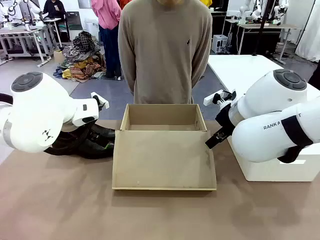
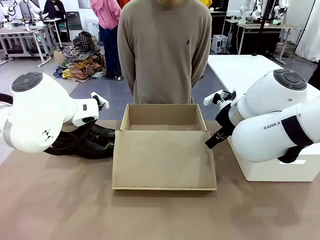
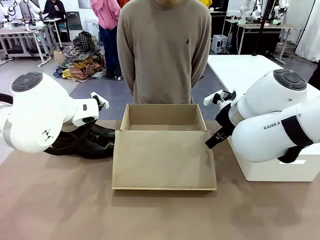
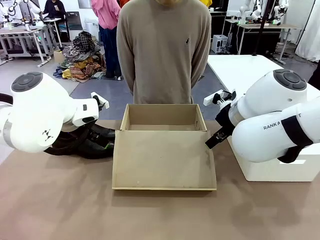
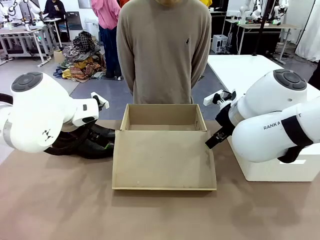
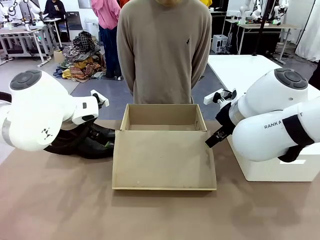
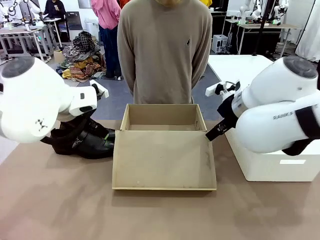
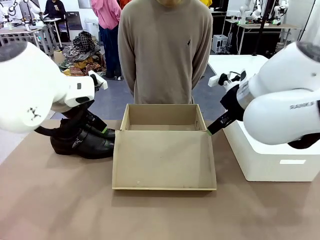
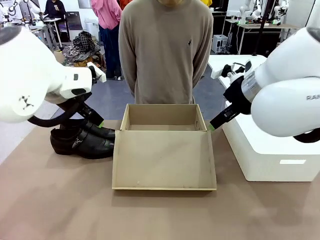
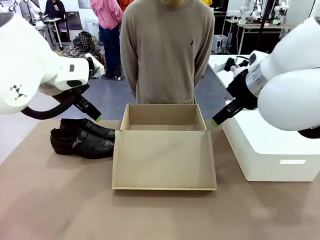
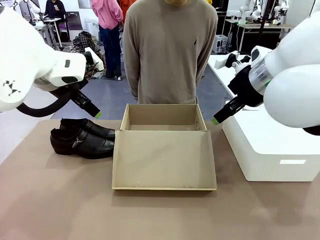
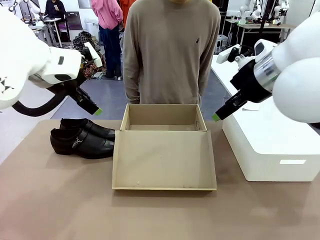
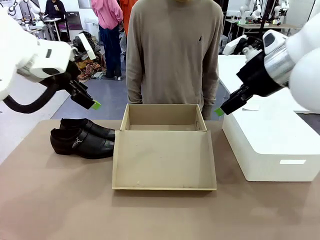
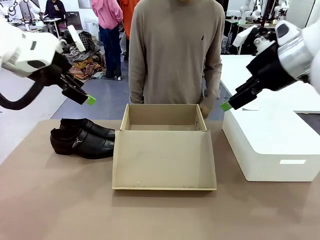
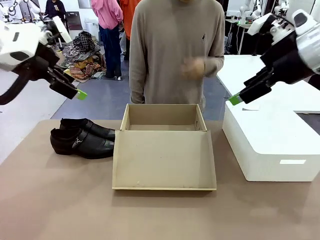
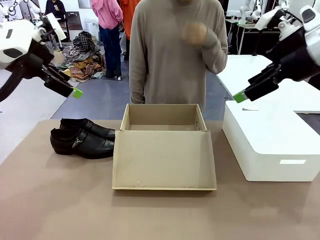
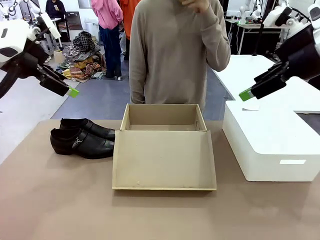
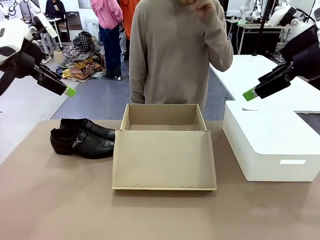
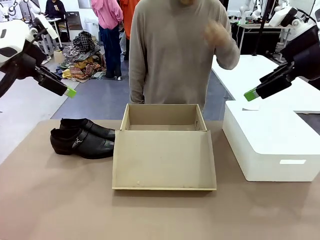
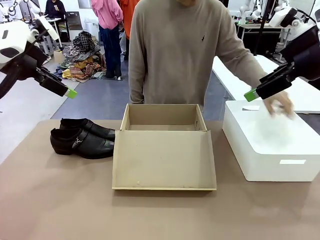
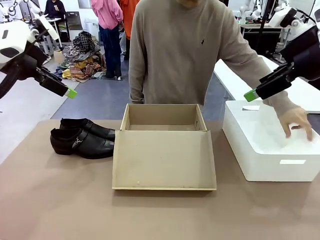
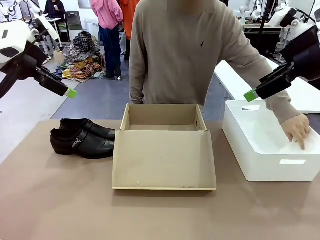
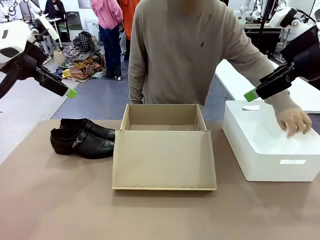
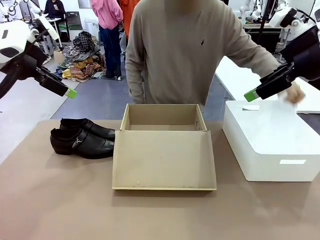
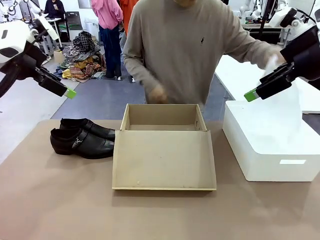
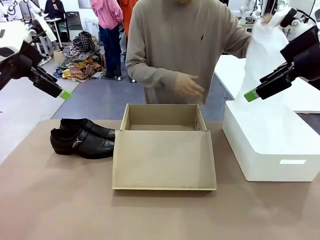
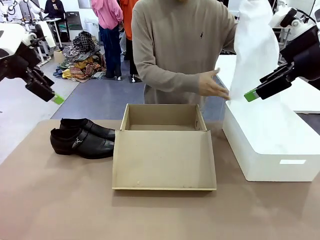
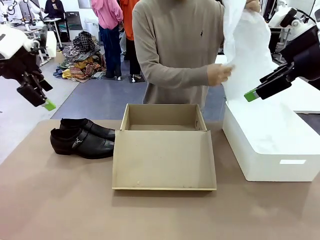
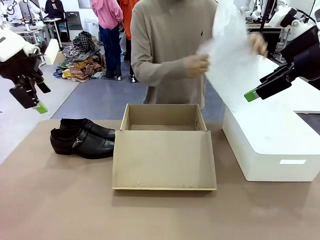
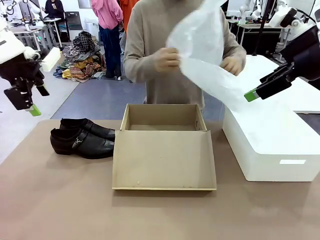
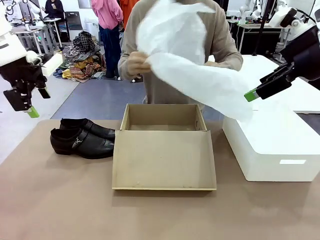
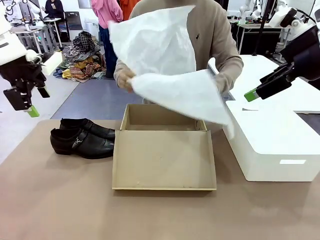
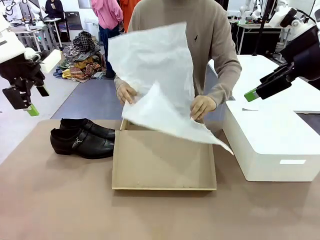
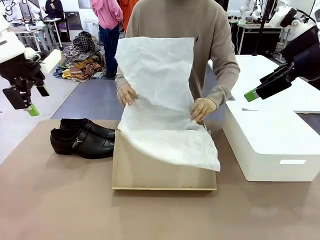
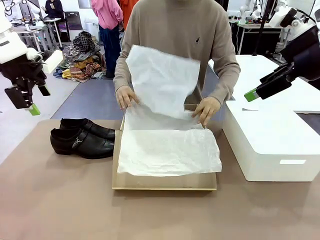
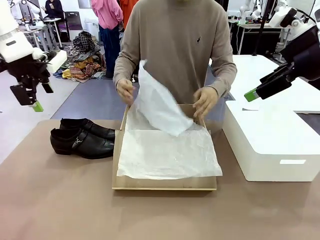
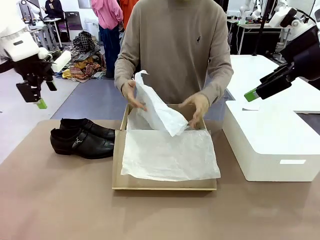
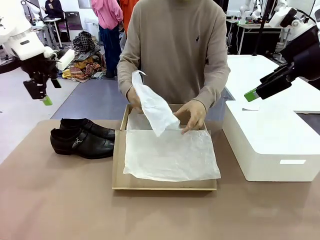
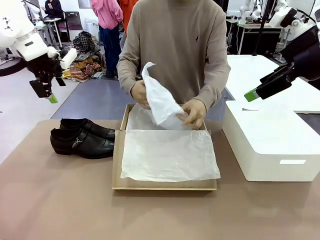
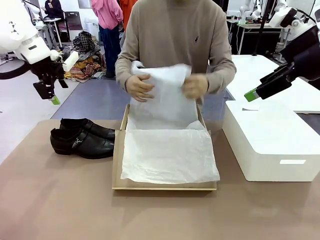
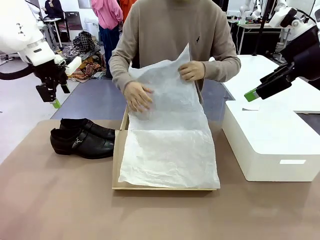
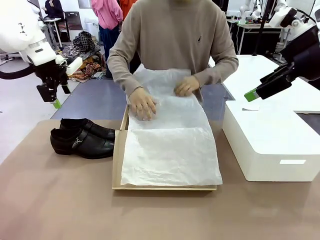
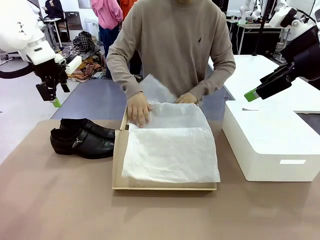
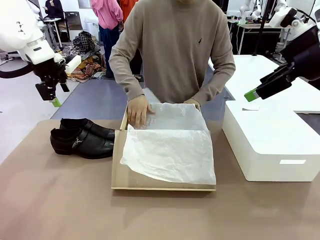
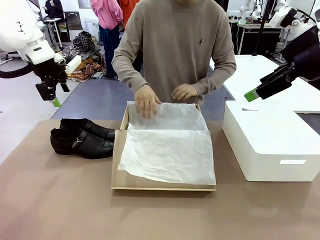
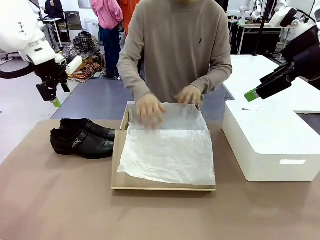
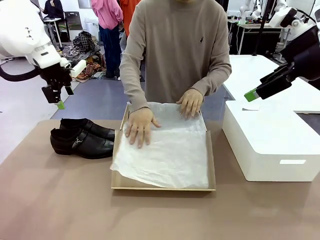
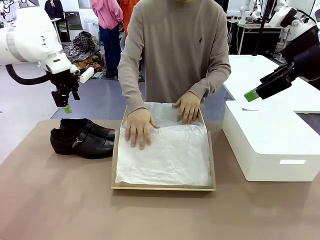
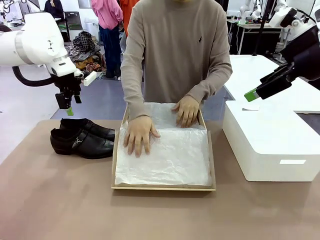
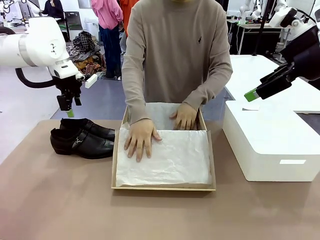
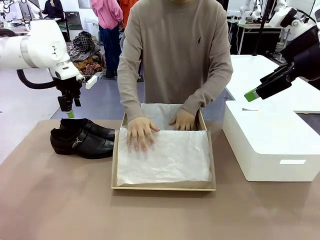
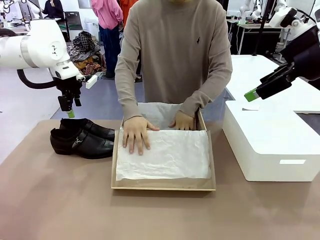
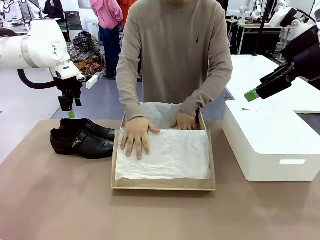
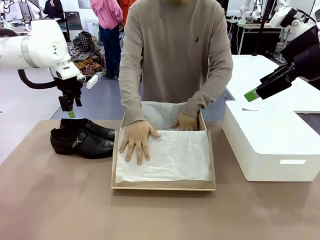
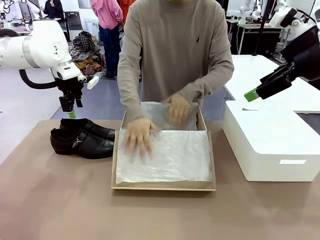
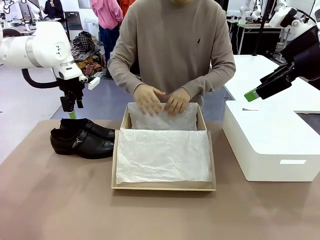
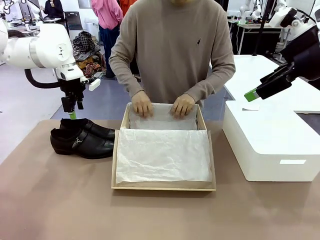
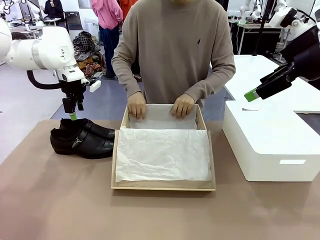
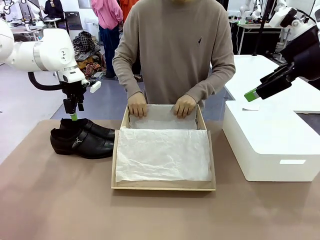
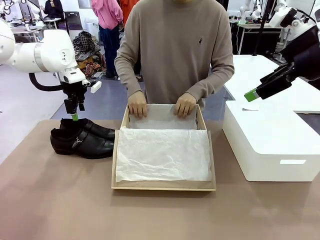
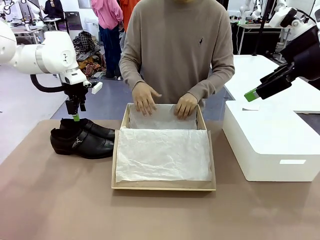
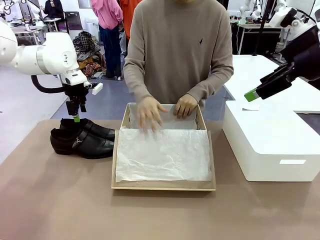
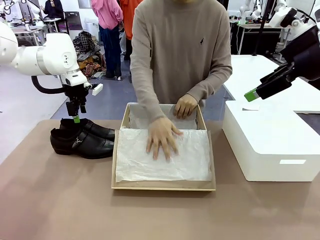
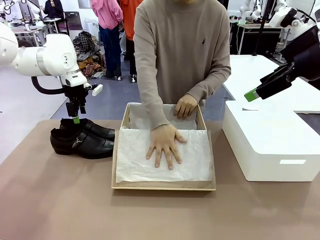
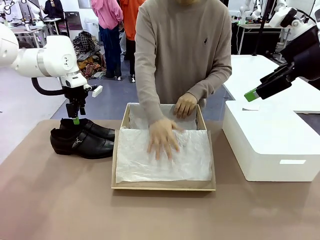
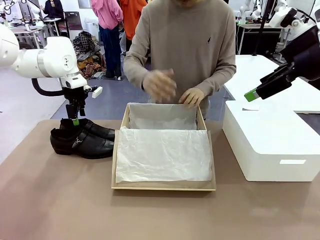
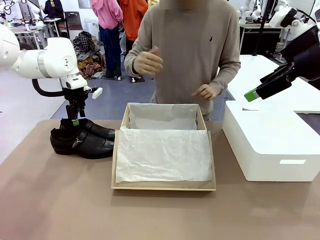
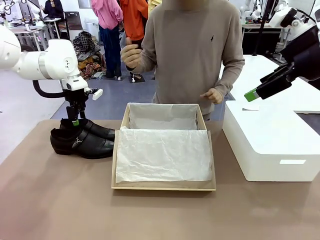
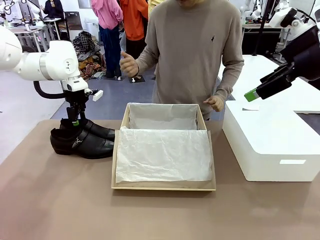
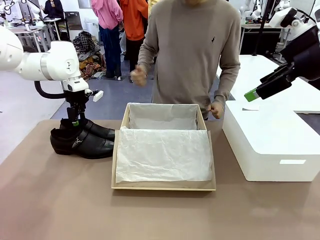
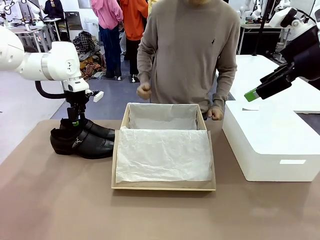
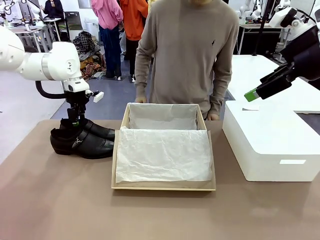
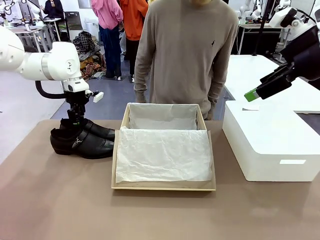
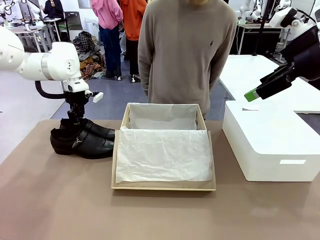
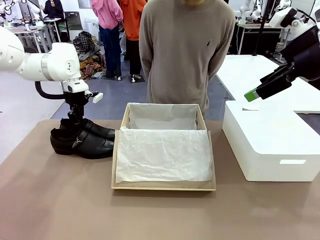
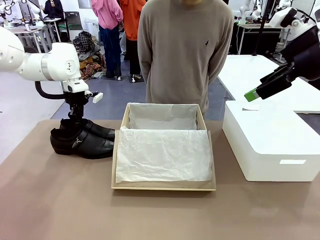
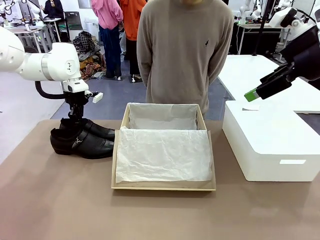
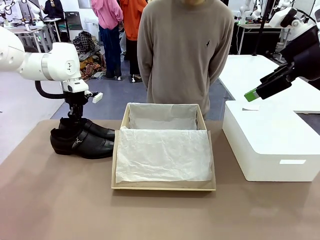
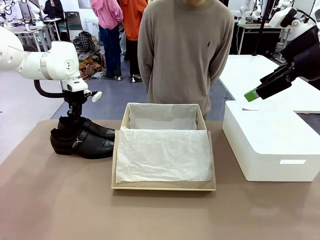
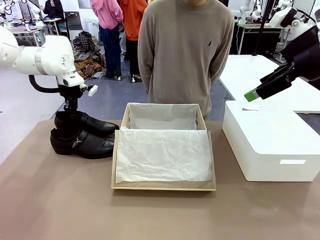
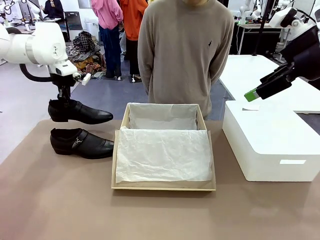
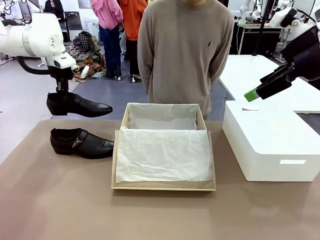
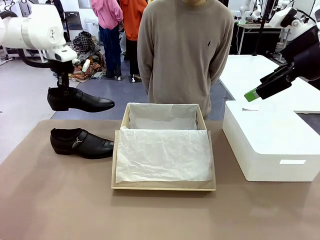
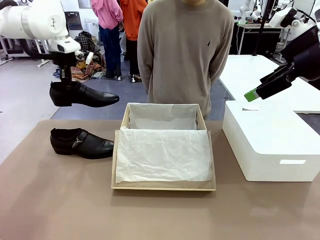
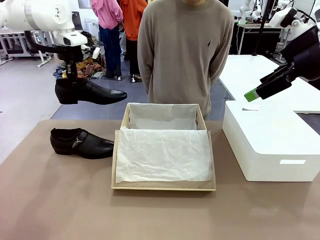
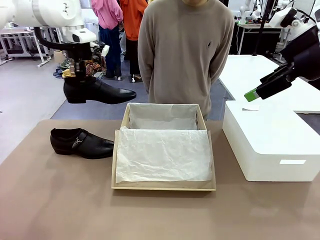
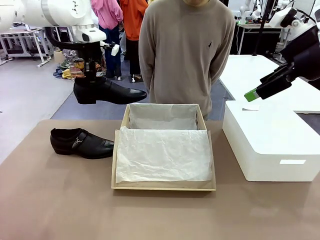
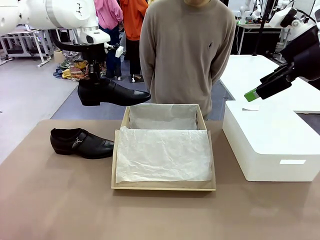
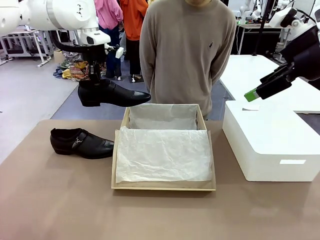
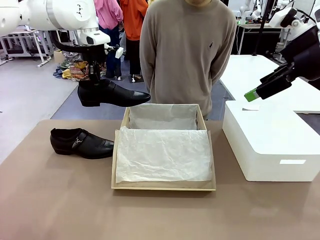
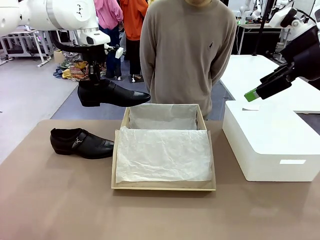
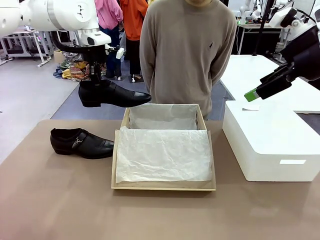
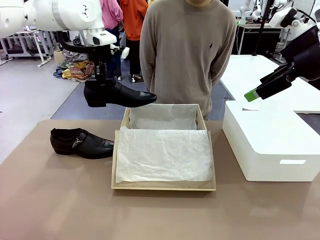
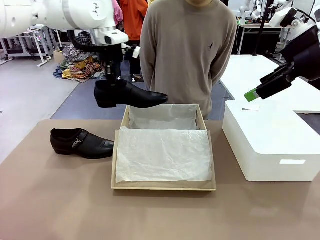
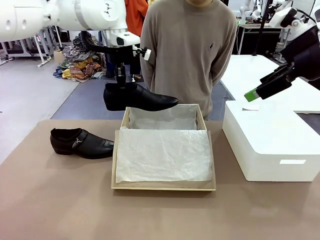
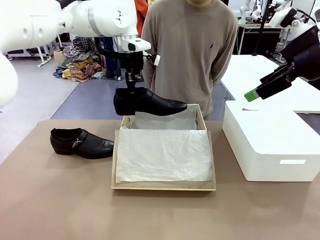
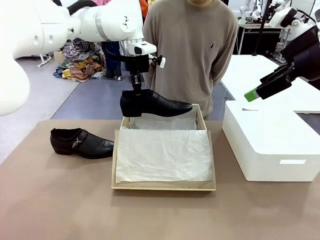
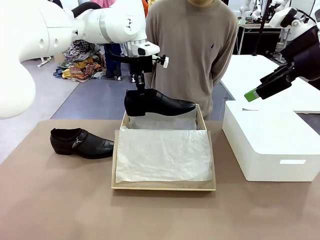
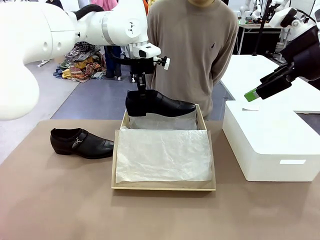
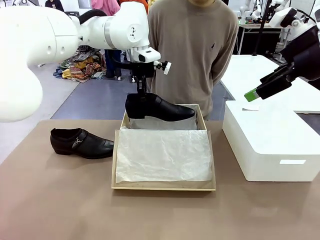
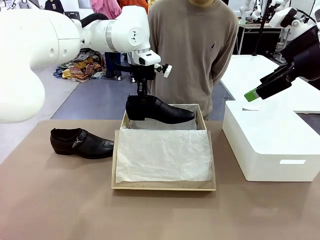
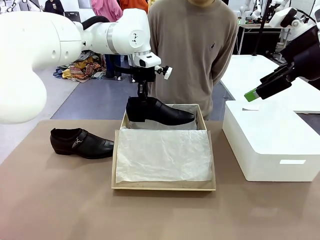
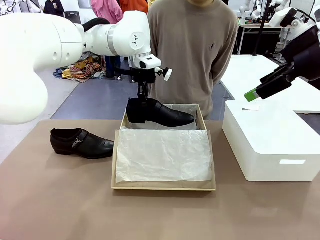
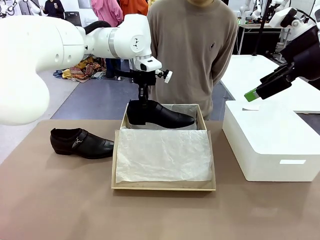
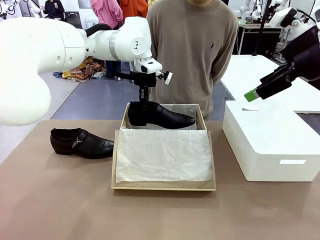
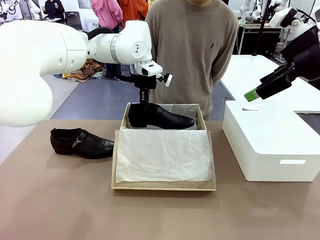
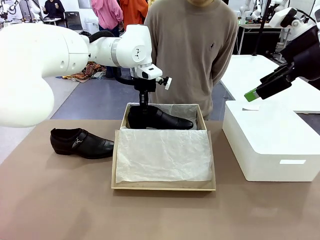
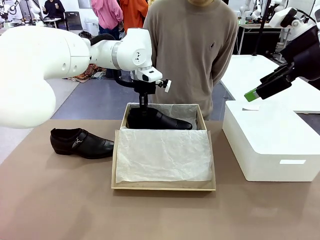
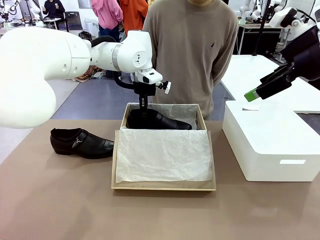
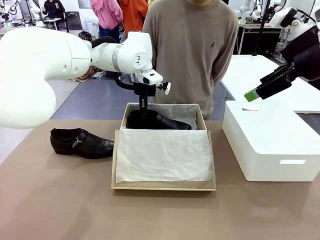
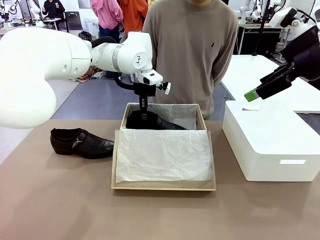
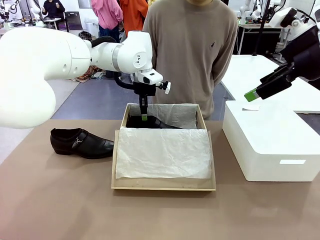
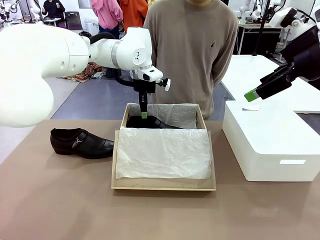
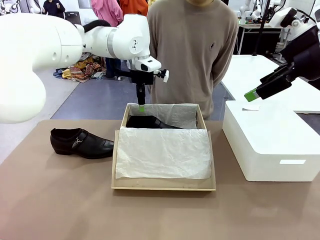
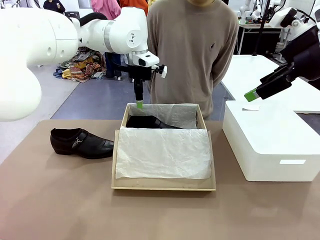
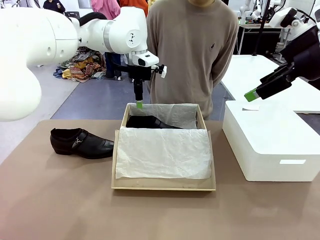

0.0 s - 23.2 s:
Task: Pack the shoes into the box.
Robot: Place one shoe of the Shoes into the Shoes Box.
Person: Spread Shoes Wrapping Paper and place inside the Shoes Box.
